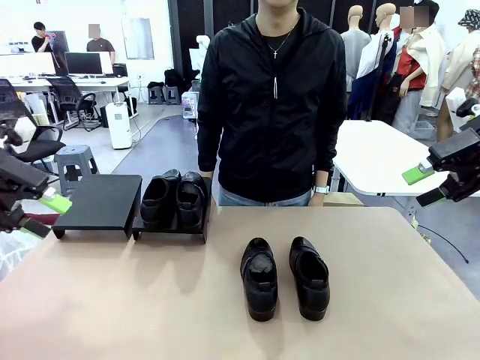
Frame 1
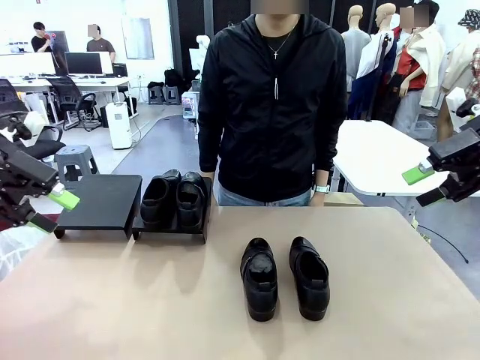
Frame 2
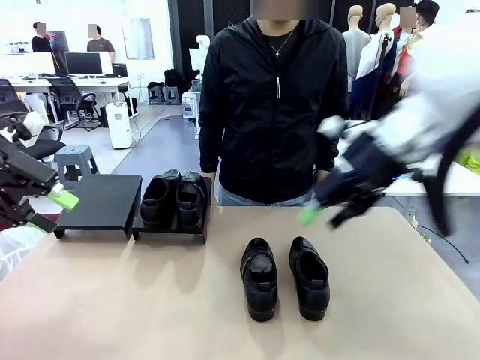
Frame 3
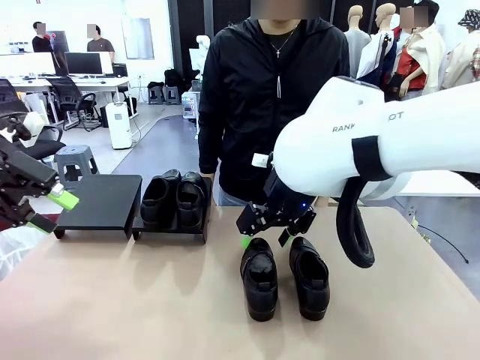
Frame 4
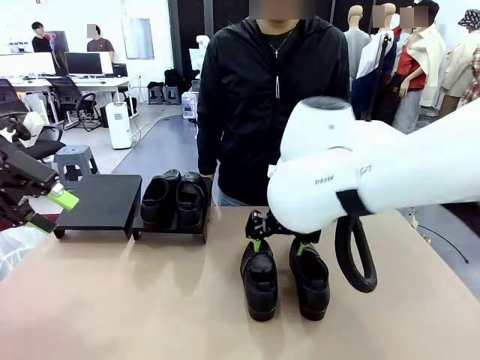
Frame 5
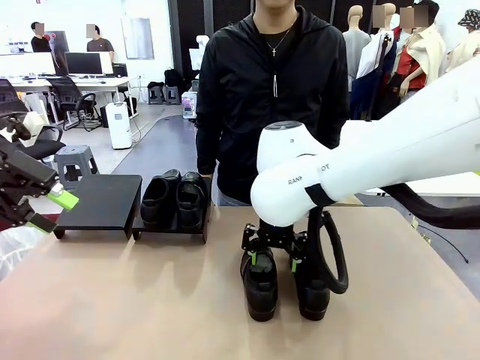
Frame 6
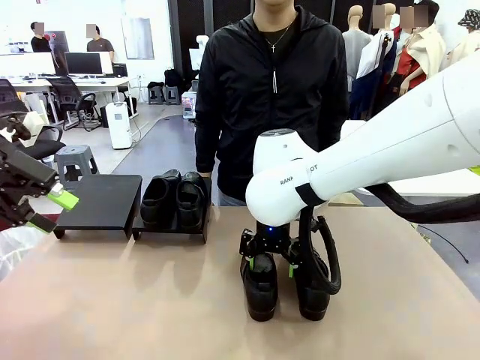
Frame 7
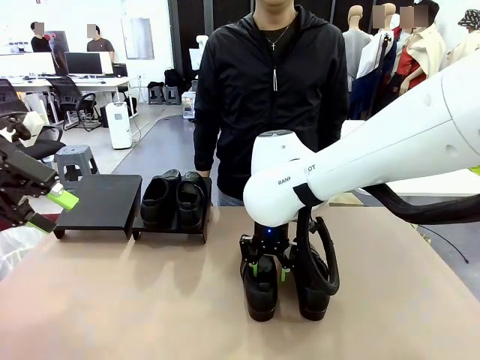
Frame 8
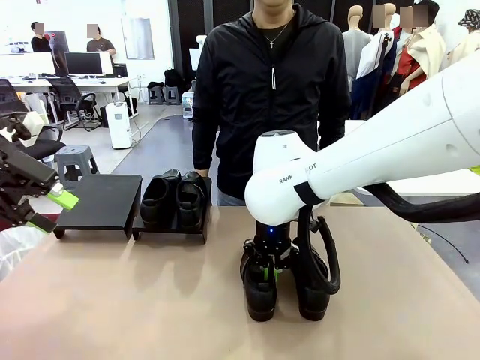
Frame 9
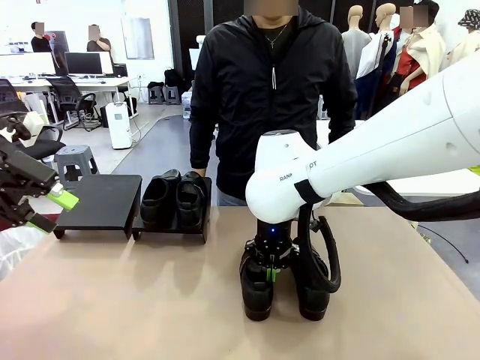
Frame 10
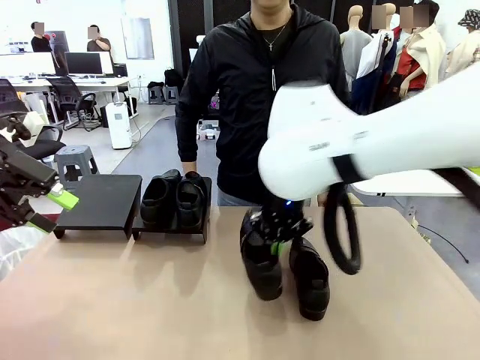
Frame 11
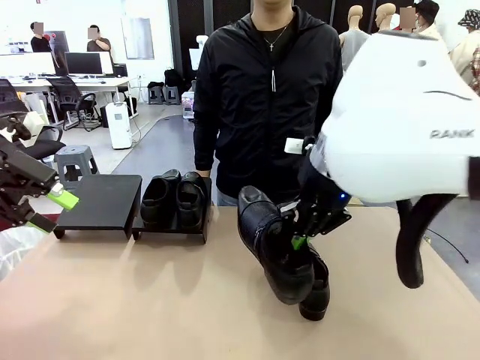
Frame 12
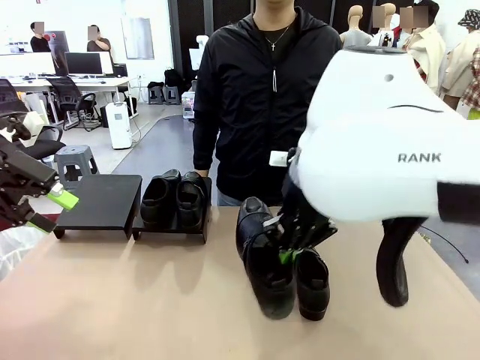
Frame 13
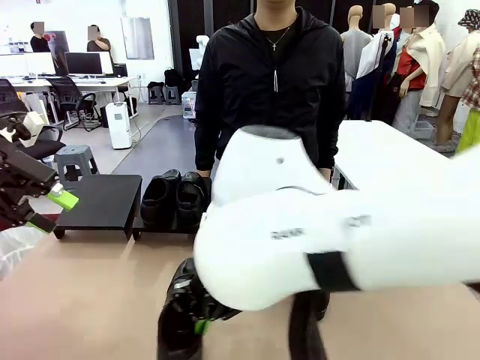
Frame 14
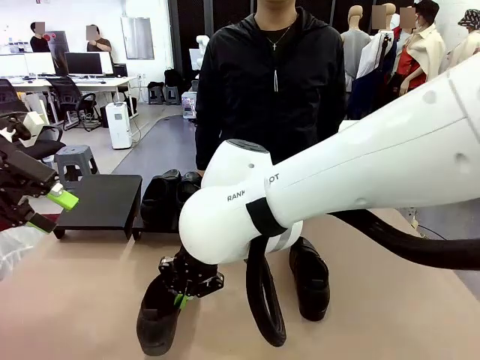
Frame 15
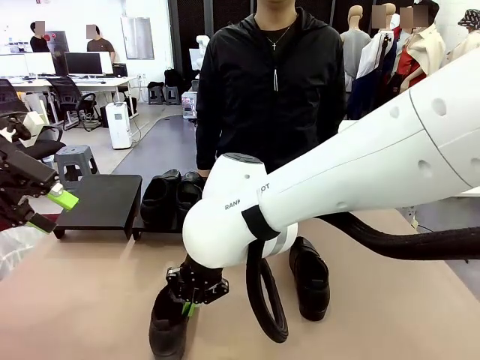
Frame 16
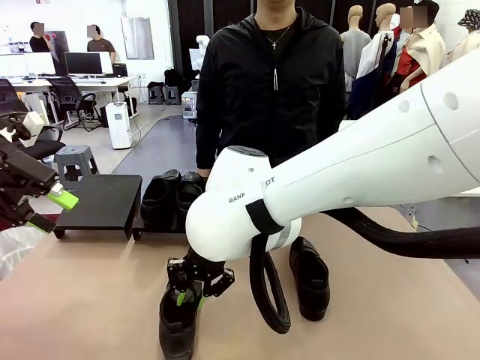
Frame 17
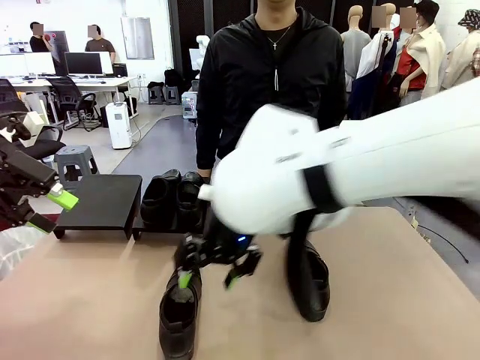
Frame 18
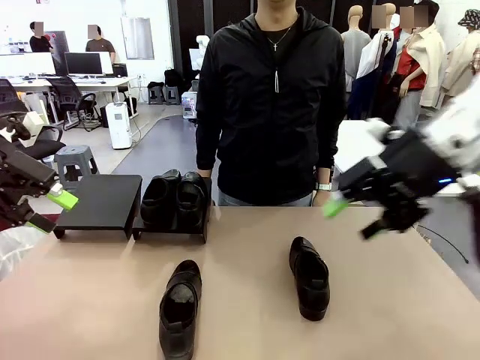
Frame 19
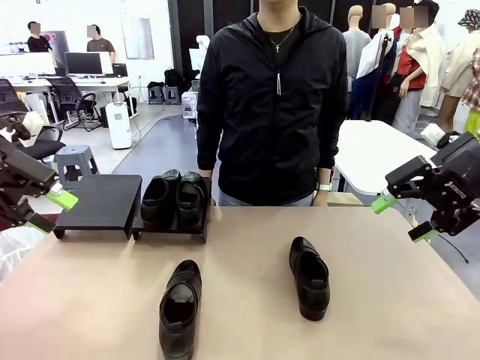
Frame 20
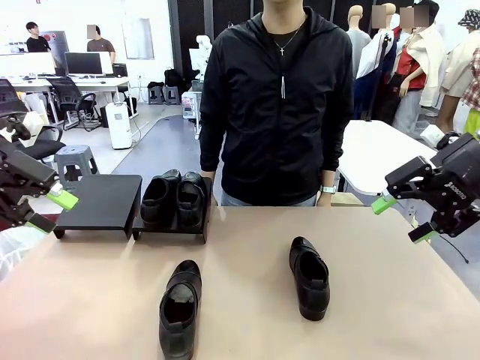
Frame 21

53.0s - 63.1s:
Task: Organize the shoes by placing them on the stand.
Robot: Pick up one Shoe and place it in the middle of the table.

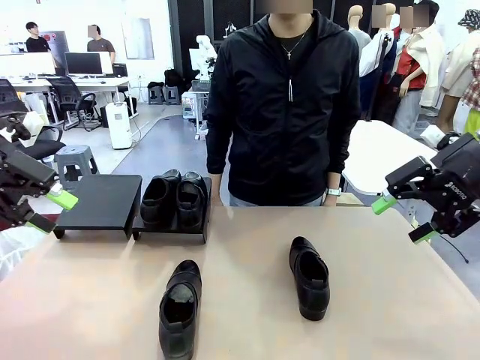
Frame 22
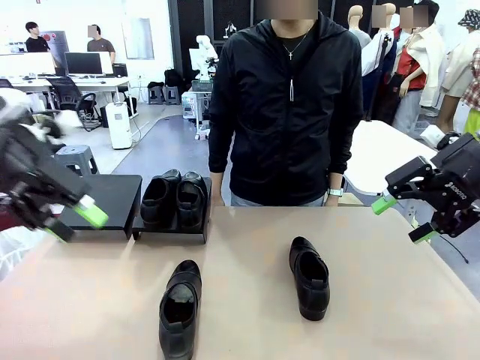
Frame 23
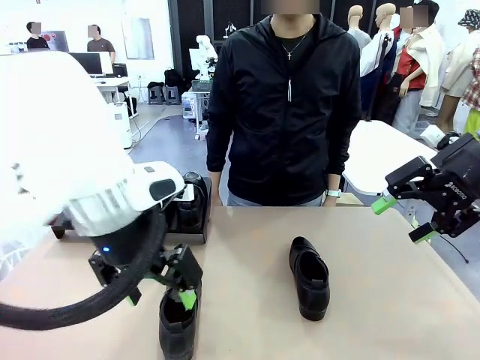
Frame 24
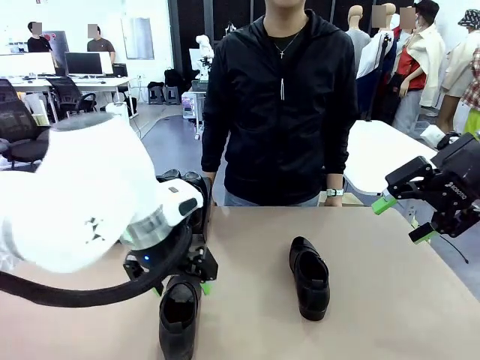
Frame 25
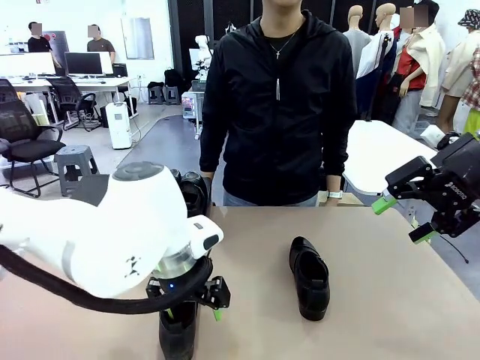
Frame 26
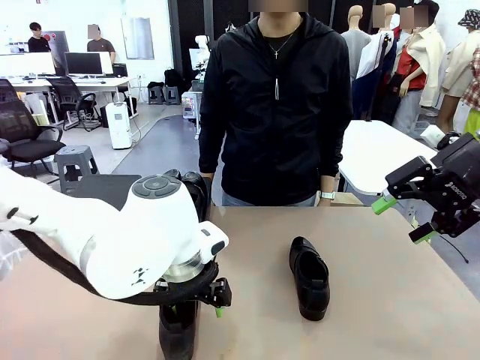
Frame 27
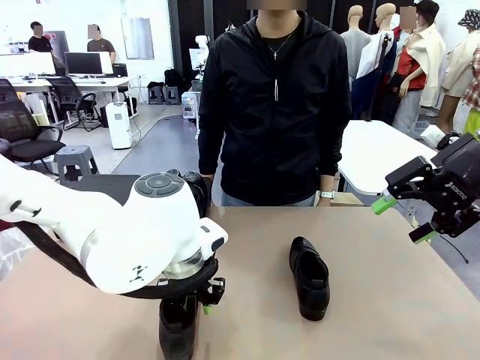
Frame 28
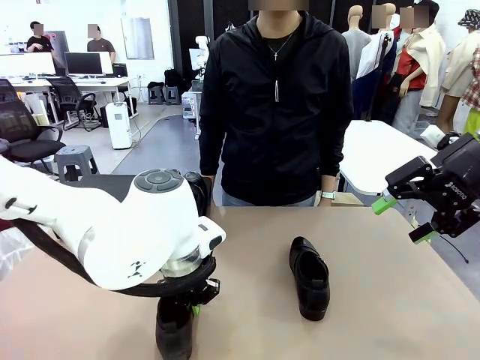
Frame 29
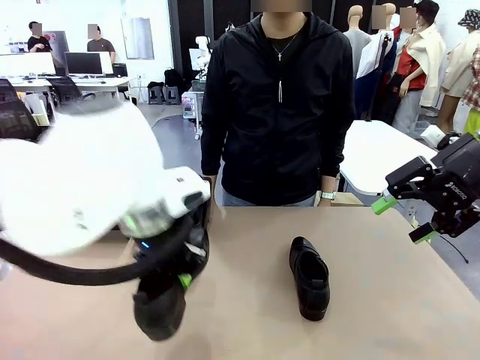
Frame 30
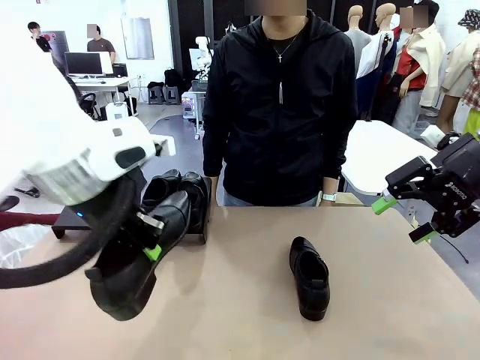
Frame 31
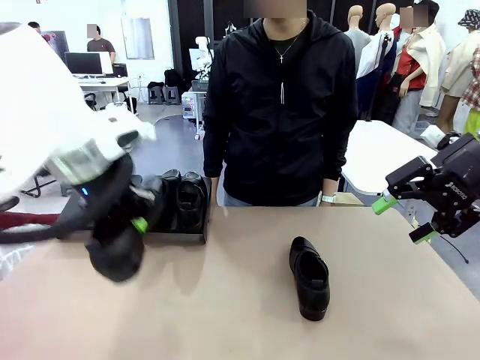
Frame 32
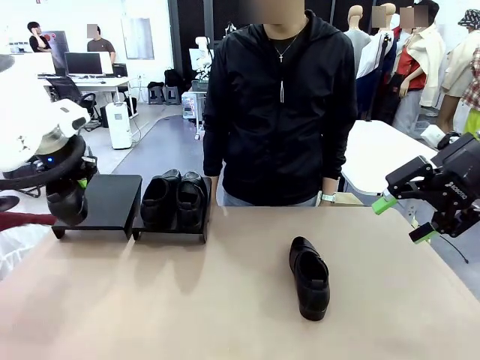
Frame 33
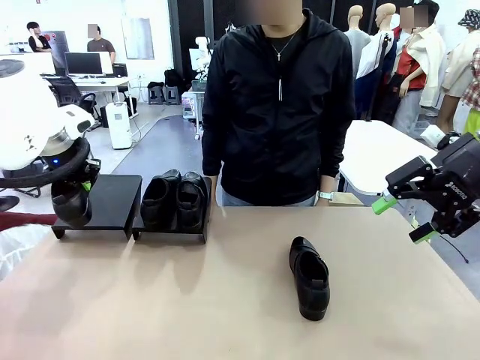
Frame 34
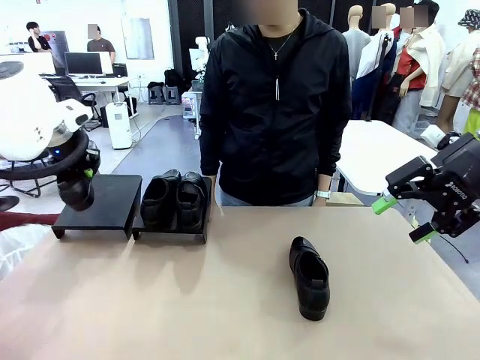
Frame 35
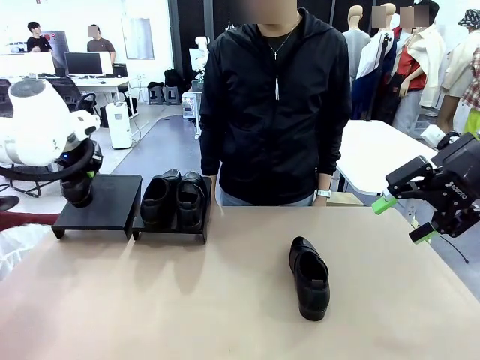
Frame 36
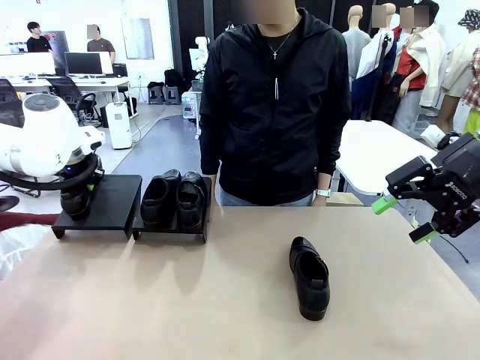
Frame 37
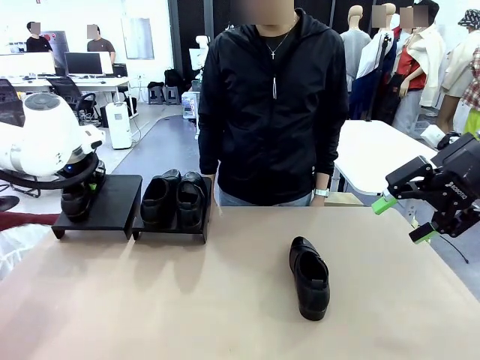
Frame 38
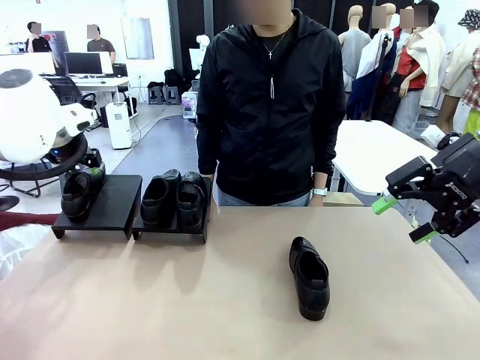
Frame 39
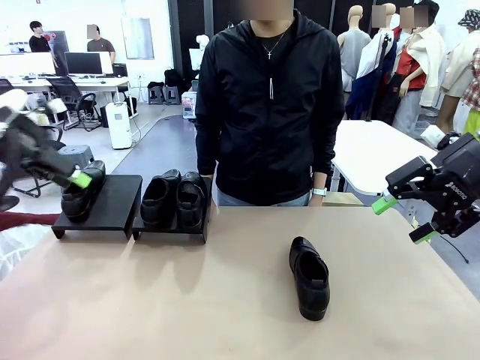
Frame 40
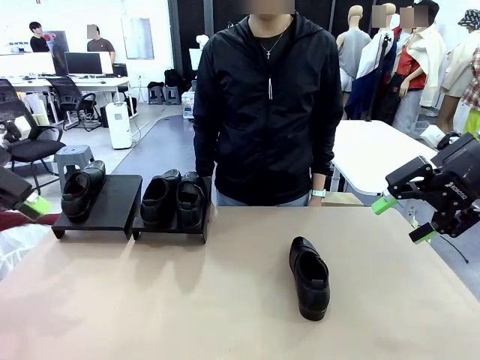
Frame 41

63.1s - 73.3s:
Robot: Place the Shoe from the middle of the table onto the Shoes Stand.

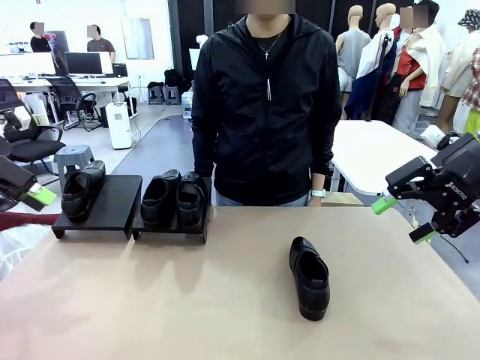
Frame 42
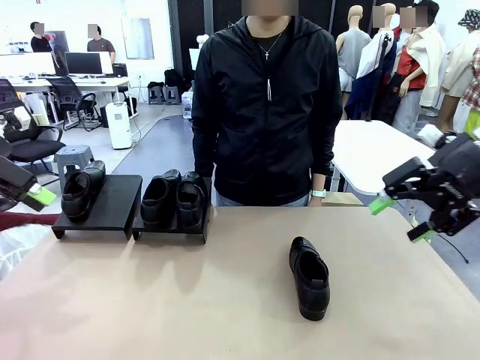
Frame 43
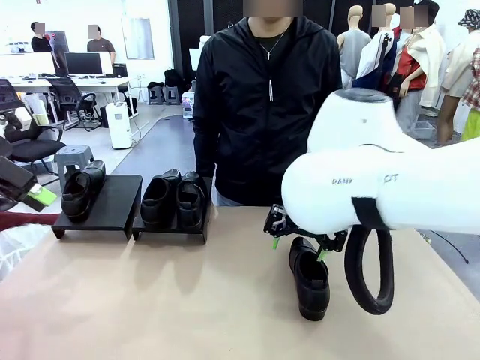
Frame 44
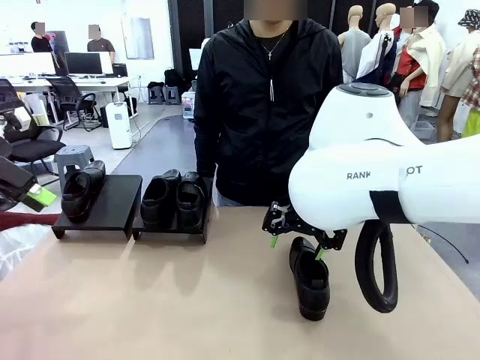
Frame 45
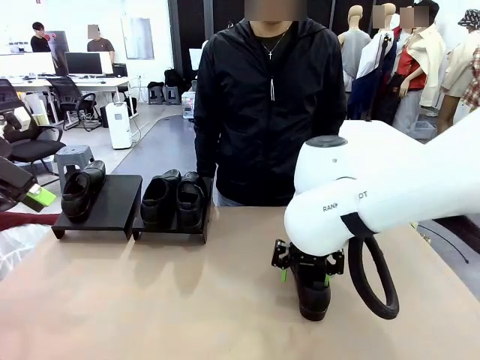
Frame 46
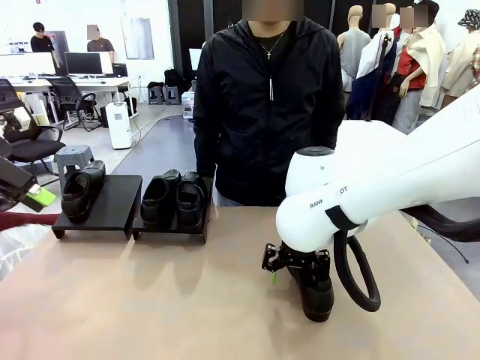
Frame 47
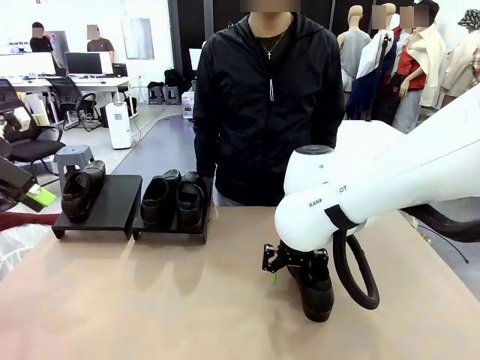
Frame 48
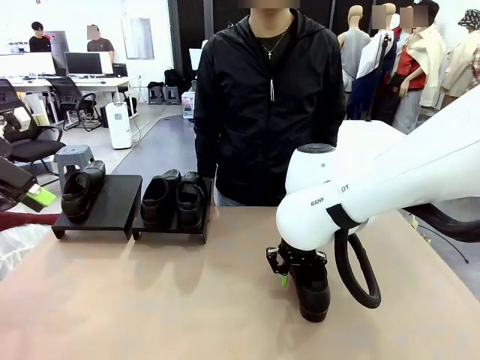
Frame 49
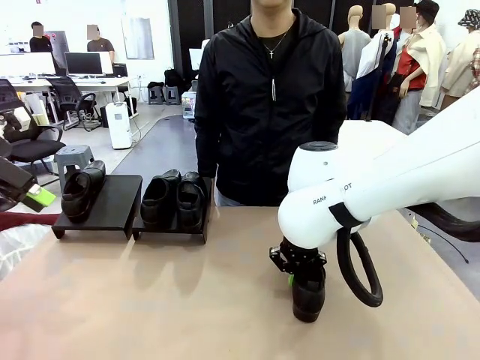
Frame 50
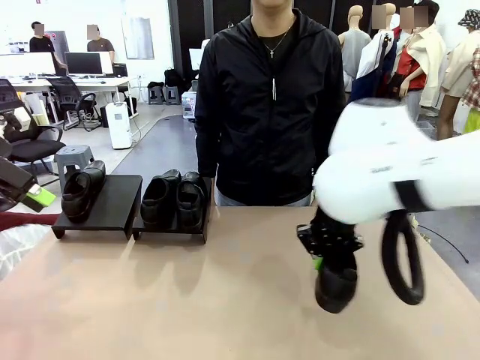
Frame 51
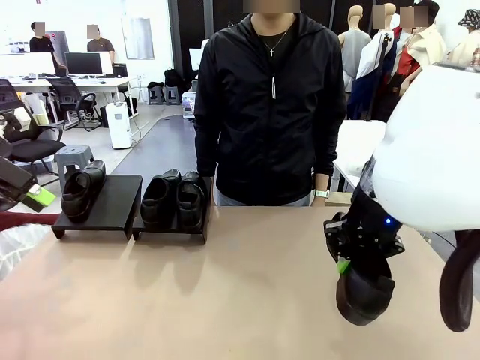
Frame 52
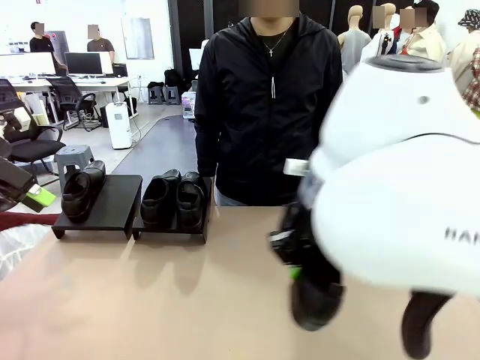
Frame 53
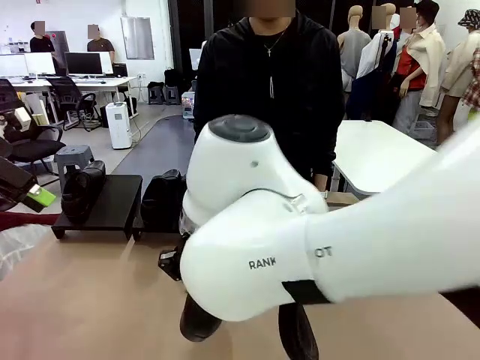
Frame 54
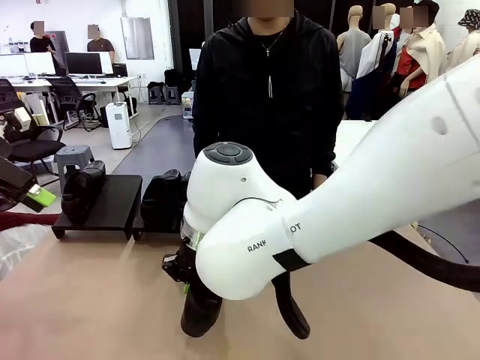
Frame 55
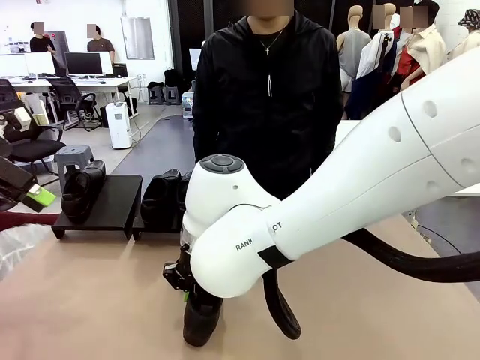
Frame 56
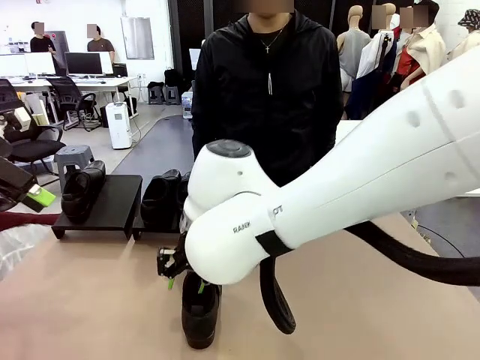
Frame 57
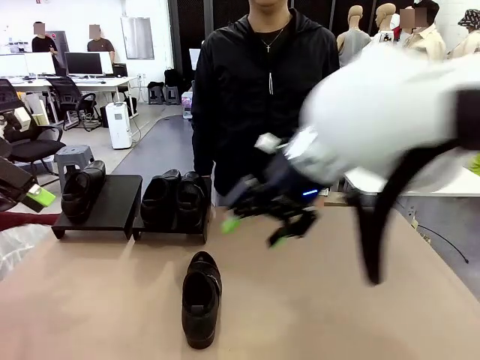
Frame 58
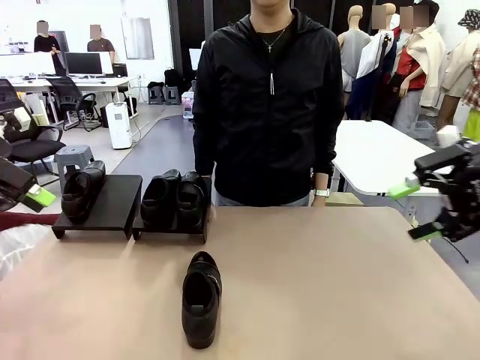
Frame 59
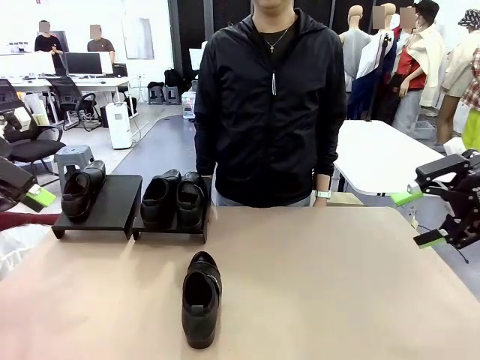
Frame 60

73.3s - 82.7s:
Robot: Pick up one Shoe and place it in the middle of the table.
